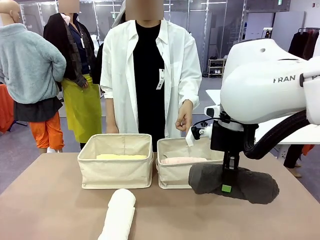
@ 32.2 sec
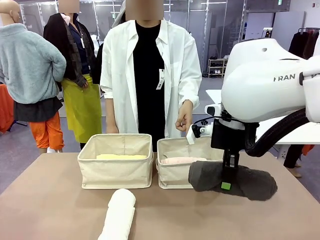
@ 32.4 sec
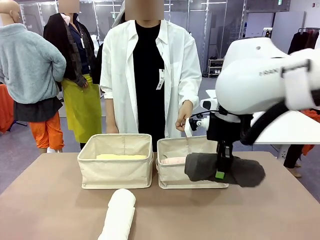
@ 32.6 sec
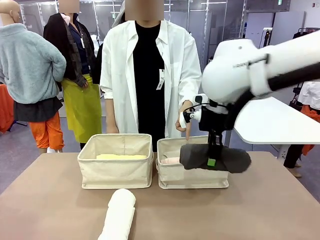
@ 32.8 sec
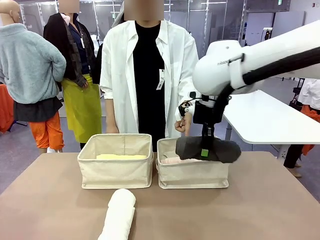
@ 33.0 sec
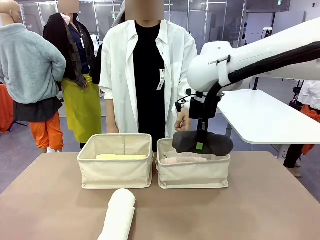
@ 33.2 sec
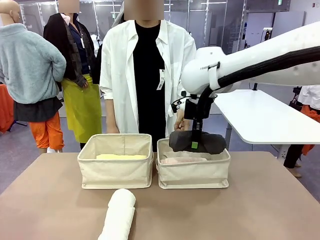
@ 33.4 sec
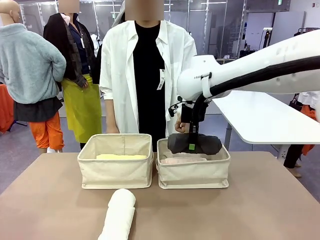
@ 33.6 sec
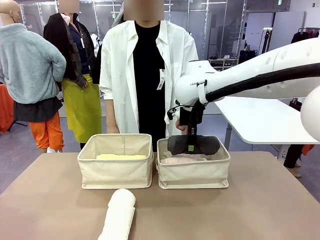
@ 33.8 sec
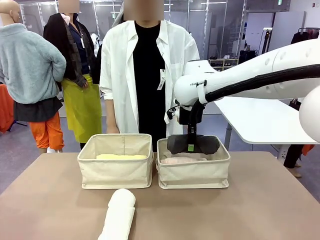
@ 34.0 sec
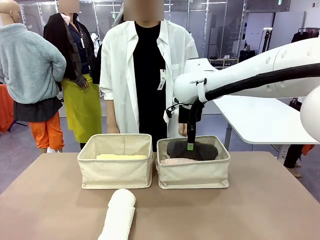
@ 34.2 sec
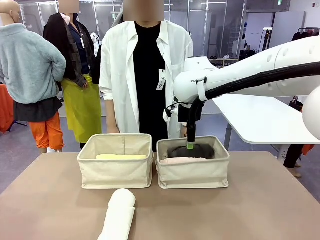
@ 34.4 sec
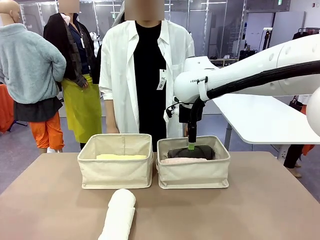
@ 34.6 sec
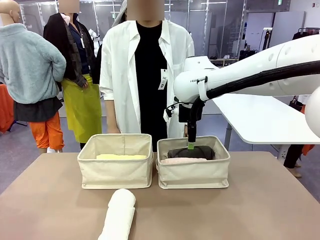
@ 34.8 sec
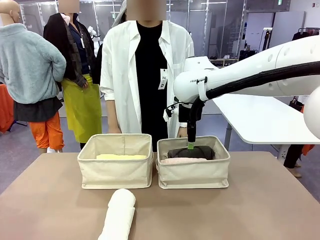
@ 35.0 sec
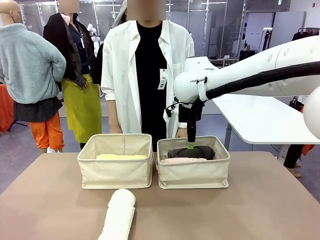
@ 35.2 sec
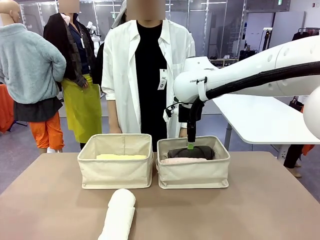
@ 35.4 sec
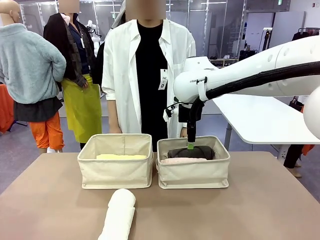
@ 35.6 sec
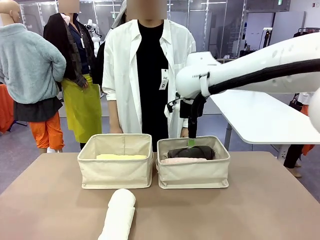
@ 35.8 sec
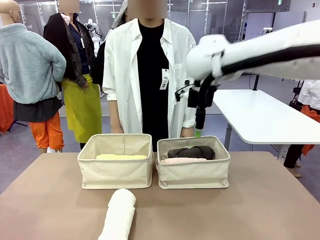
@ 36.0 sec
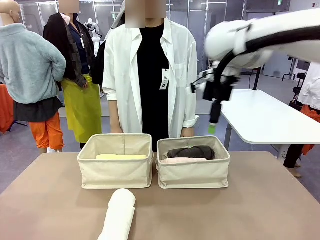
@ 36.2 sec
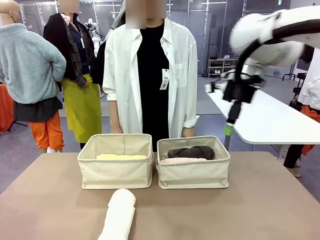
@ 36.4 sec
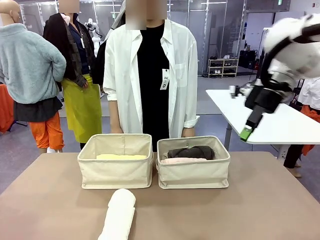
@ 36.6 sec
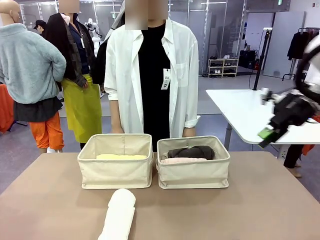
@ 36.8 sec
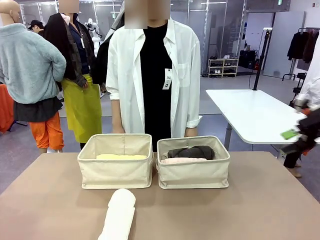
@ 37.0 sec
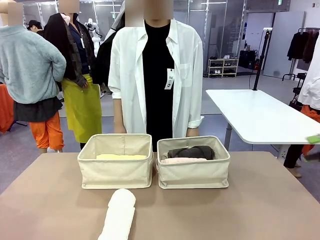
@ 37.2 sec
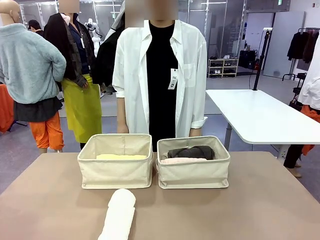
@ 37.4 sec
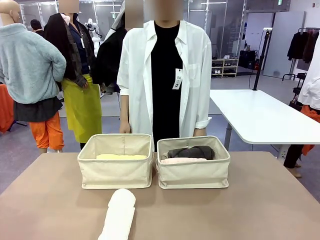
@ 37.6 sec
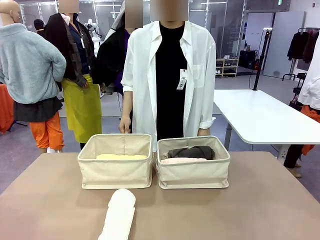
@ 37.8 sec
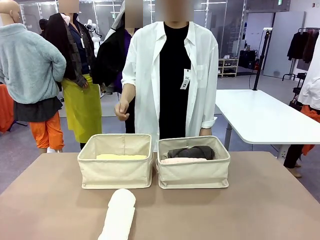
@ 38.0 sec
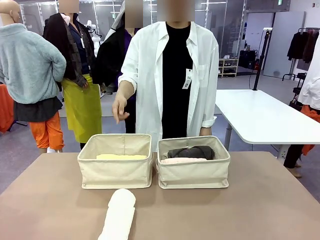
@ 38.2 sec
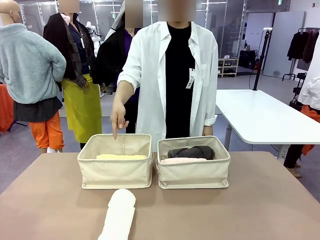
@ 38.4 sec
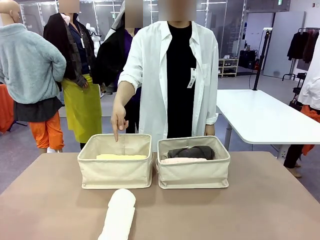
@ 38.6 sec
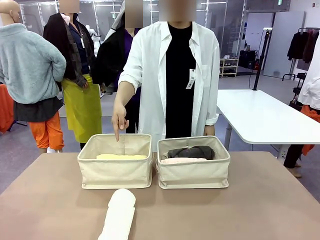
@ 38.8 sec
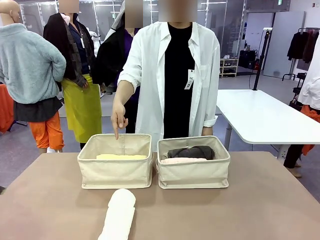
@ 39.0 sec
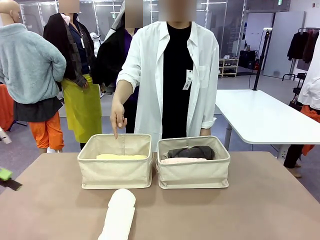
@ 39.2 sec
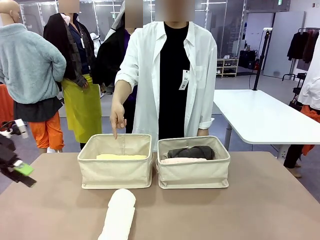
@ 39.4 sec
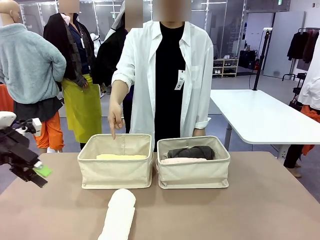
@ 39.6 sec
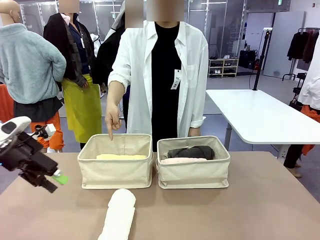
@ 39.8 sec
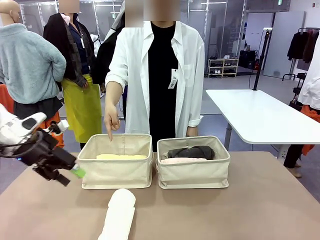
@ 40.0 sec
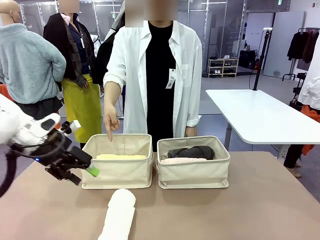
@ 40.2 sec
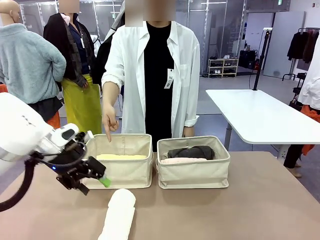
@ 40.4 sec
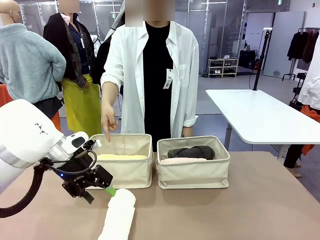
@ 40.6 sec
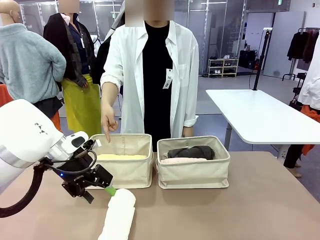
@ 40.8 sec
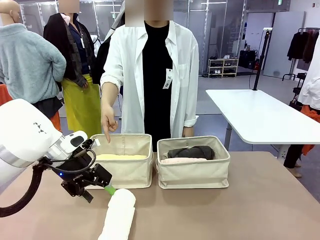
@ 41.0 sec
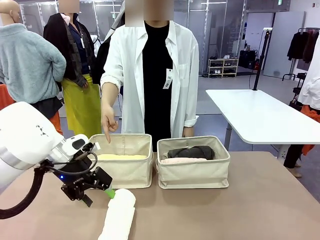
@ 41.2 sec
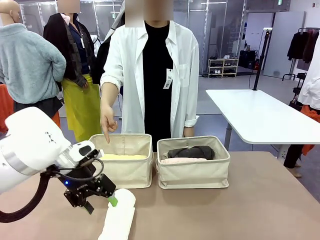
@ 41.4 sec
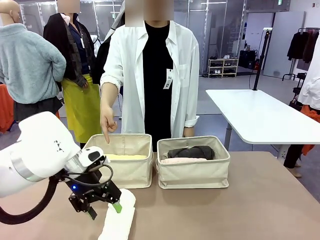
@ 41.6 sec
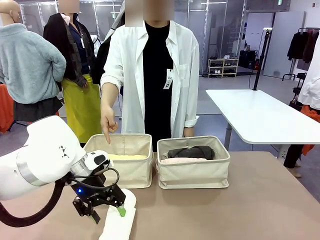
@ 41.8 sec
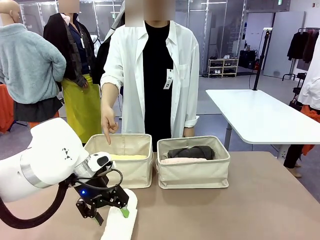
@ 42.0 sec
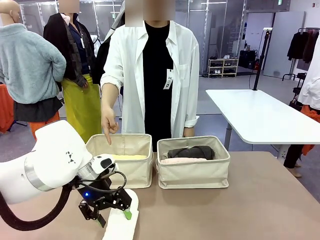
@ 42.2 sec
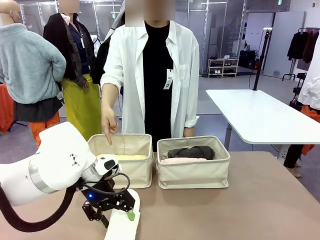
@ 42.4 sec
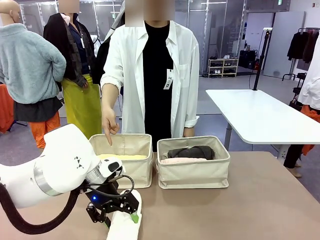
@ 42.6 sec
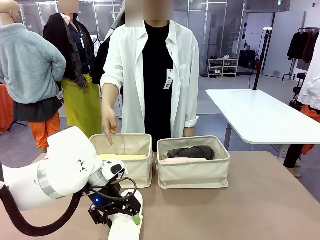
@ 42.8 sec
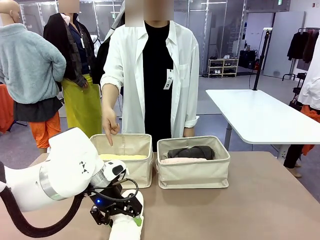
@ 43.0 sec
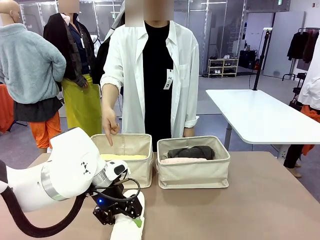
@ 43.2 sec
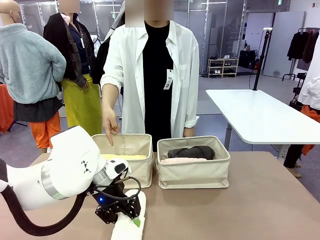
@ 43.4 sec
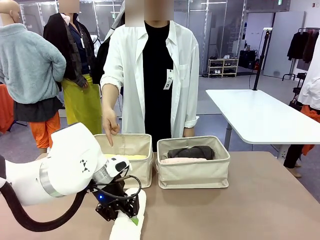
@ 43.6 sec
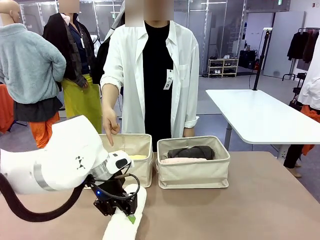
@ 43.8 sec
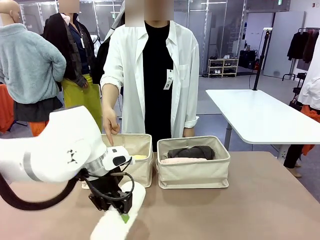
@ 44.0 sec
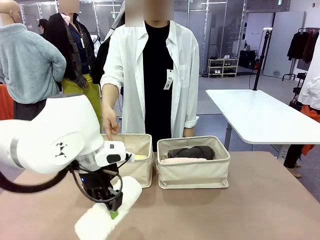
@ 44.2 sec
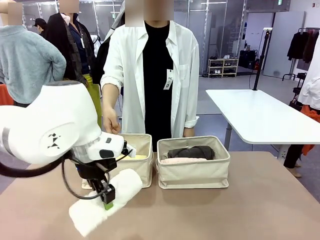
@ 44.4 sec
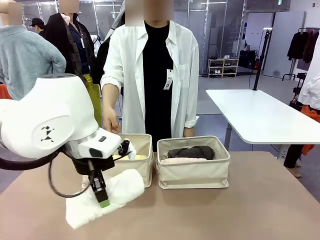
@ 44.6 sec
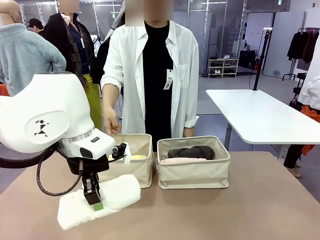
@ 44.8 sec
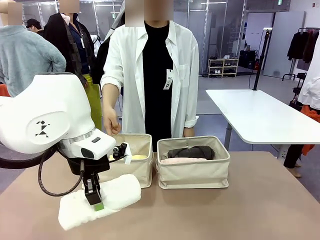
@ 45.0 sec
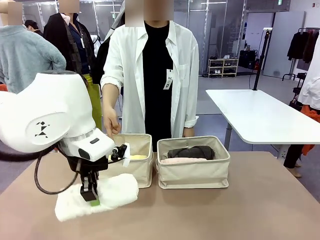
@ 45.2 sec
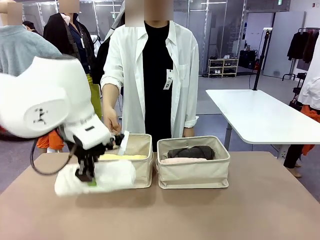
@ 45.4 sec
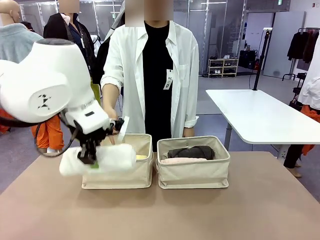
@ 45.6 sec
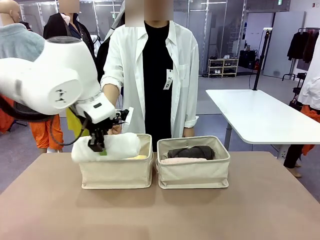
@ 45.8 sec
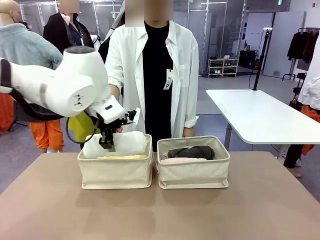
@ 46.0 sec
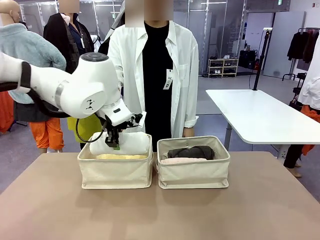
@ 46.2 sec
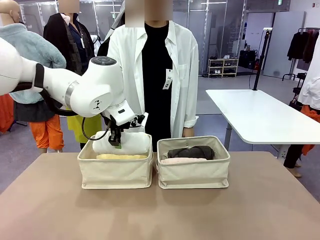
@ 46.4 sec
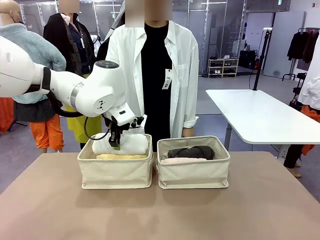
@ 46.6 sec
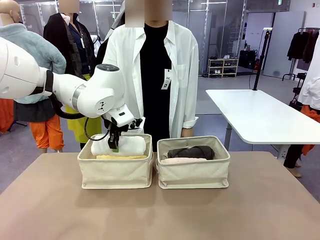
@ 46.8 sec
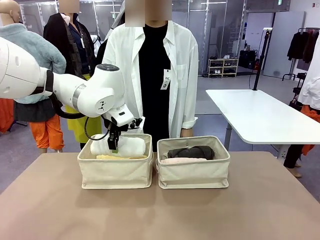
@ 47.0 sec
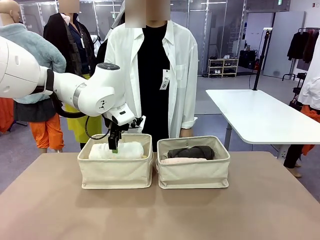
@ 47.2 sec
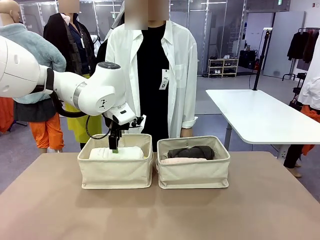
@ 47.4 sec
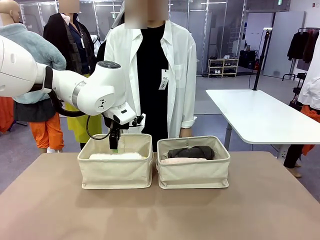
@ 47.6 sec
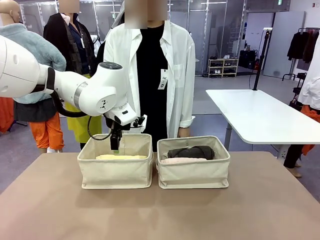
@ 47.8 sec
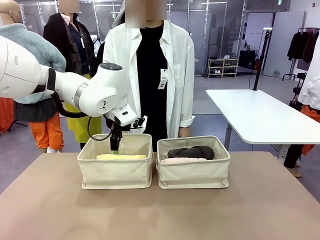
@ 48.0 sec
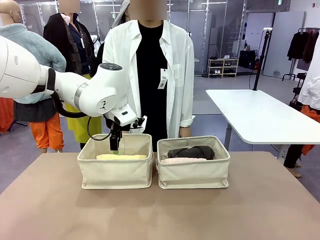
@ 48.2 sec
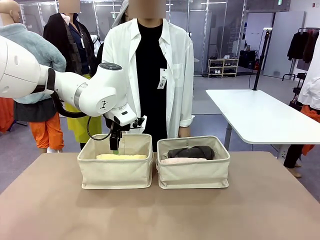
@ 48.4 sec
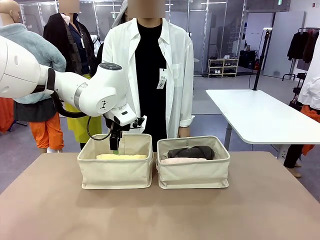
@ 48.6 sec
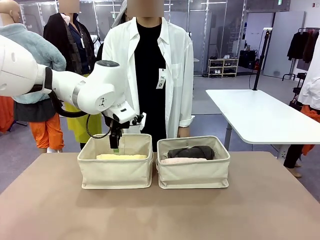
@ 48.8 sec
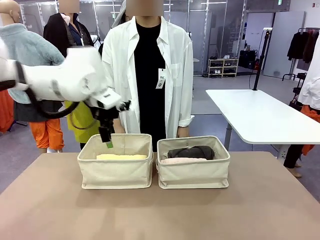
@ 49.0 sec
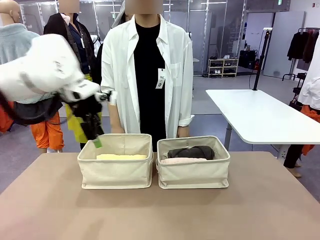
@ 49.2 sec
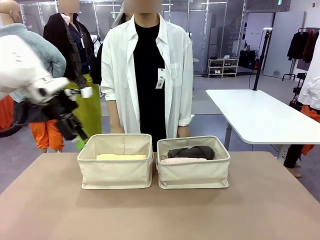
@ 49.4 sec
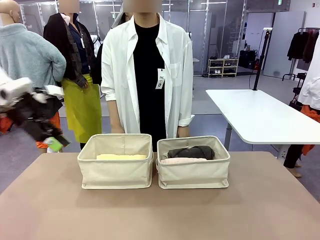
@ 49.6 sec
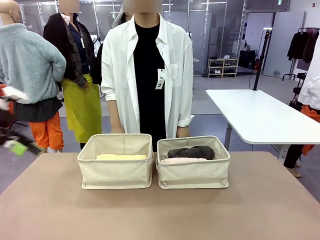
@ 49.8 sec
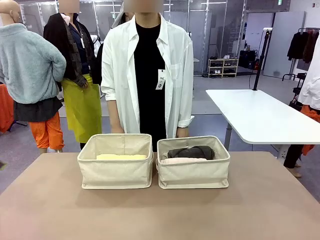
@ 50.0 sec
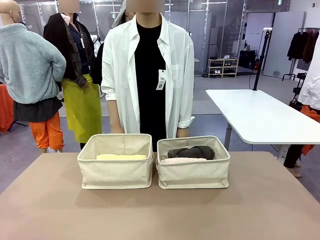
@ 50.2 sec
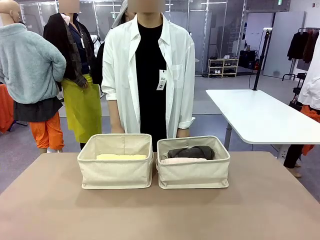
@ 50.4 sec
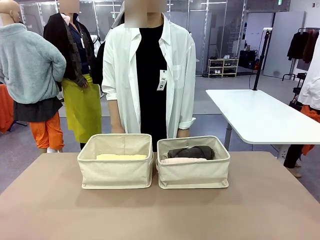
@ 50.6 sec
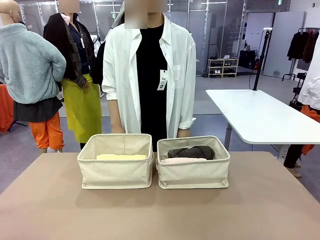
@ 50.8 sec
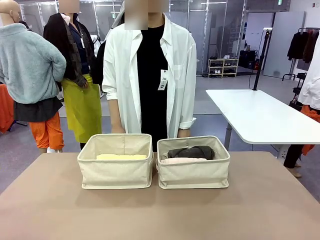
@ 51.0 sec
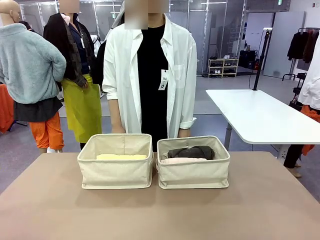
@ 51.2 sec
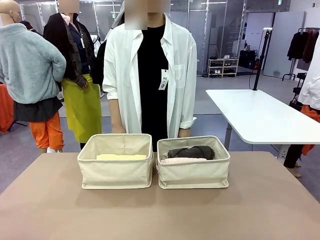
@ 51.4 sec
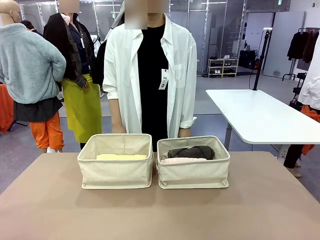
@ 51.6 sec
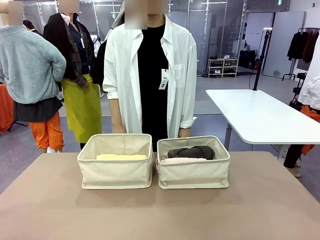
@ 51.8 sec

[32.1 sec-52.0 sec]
Task: Divide the towels into two baskets.
Robot: Pick up one hotel-folded towel from the bottom of the table and place it in the Fabric basket indicated by the person.

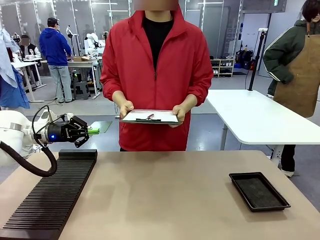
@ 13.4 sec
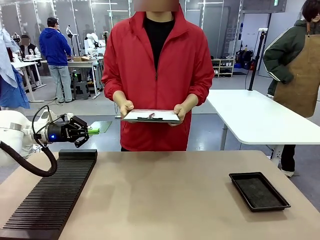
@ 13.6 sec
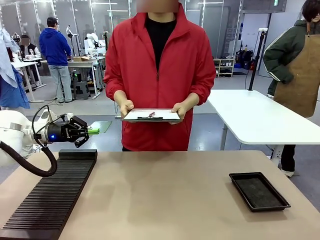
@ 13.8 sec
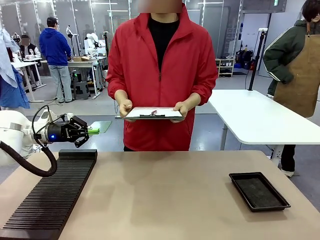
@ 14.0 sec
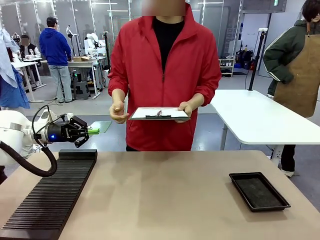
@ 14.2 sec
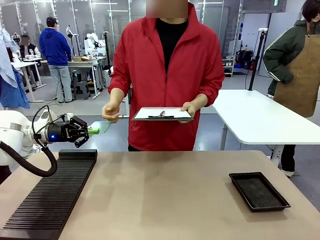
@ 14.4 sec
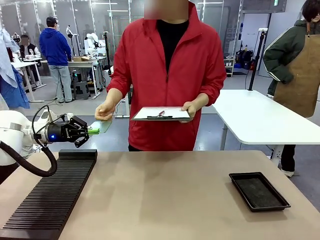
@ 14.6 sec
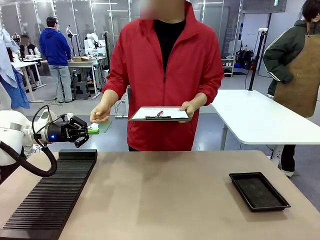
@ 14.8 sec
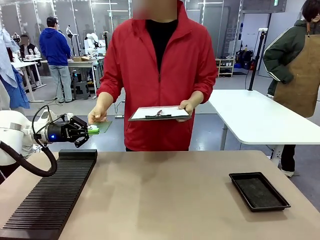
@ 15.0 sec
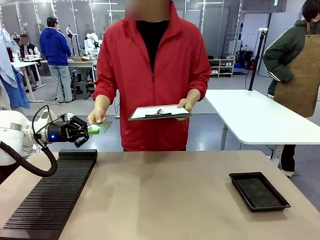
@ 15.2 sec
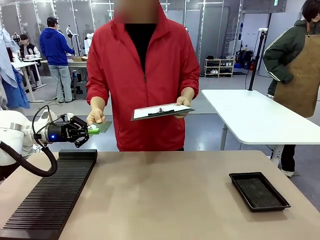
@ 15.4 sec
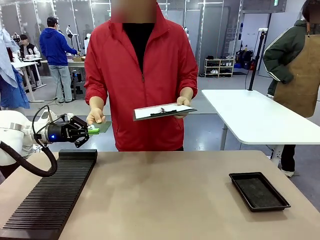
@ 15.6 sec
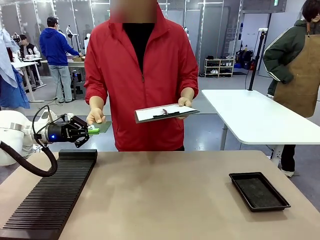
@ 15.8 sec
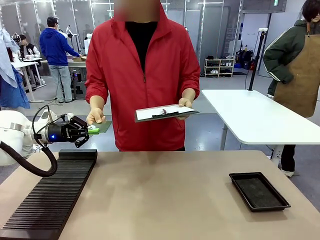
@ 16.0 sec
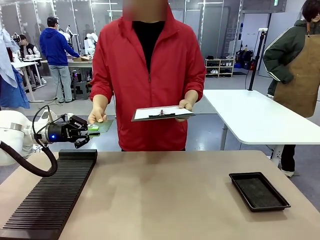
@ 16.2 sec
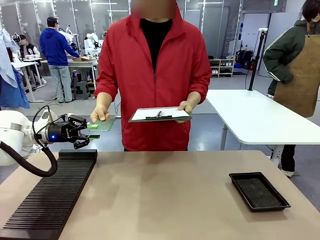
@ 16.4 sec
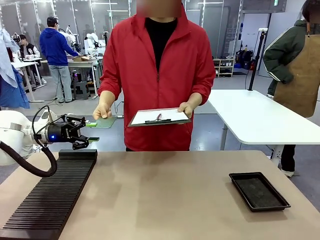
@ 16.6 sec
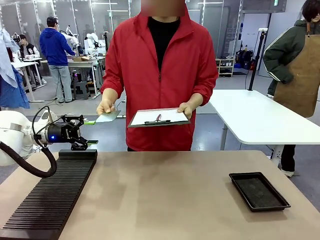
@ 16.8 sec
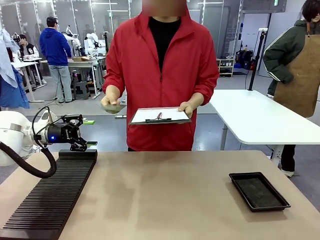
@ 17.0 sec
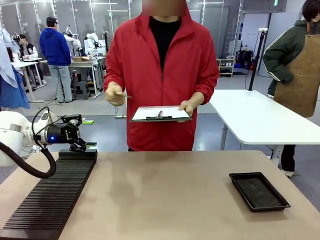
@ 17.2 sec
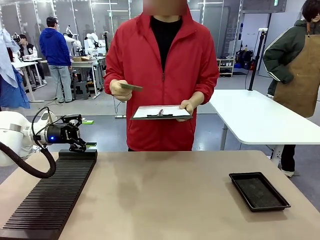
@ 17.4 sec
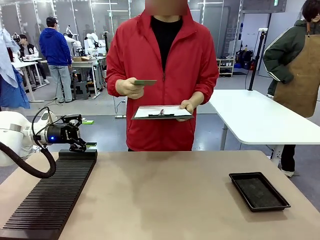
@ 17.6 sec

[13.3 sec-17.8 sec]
Task: Inspect the PCB.
Robot: Release the Blank PCB you were holding.
